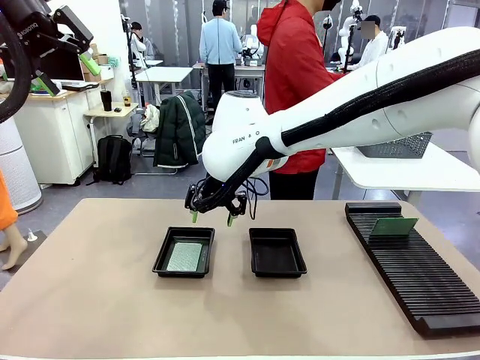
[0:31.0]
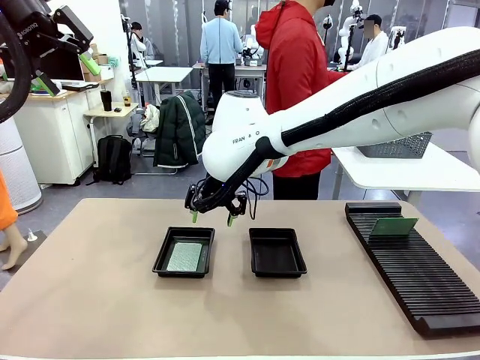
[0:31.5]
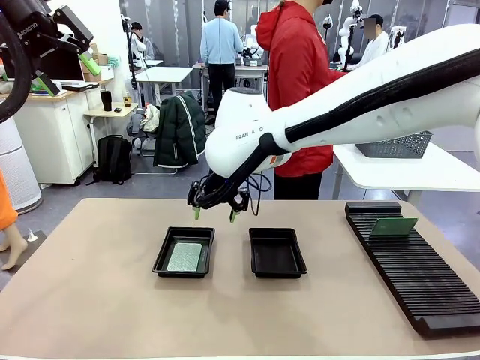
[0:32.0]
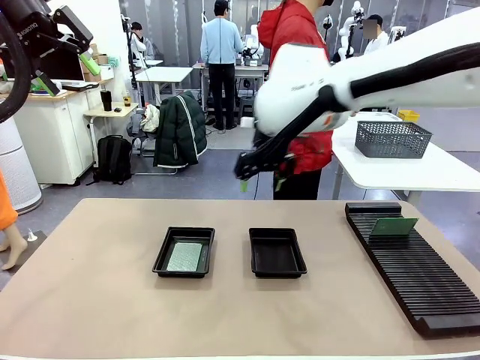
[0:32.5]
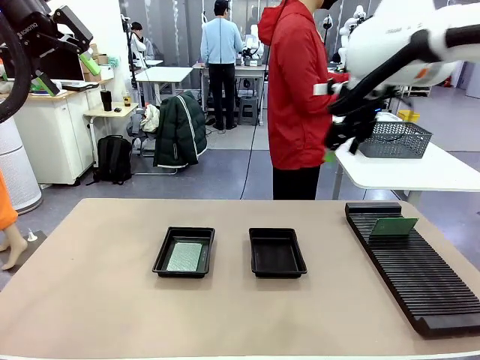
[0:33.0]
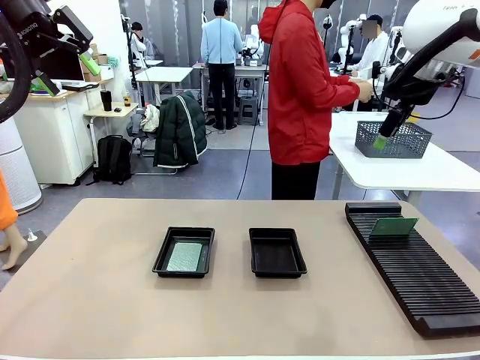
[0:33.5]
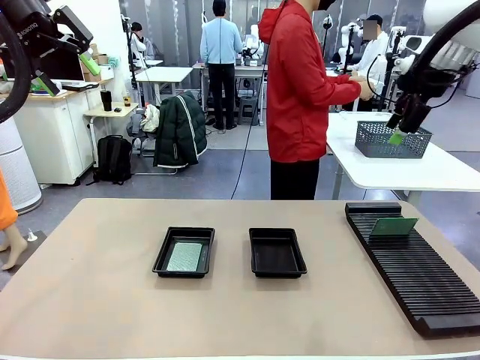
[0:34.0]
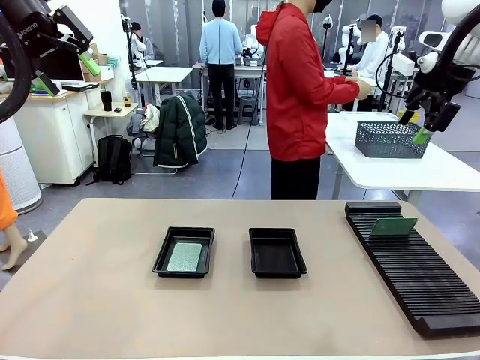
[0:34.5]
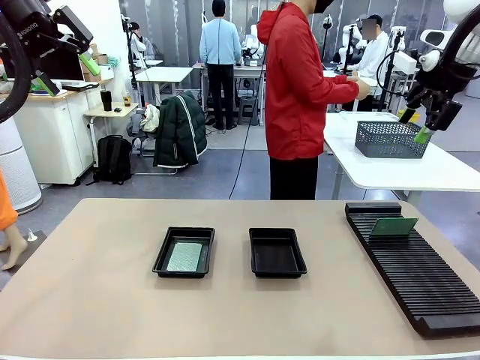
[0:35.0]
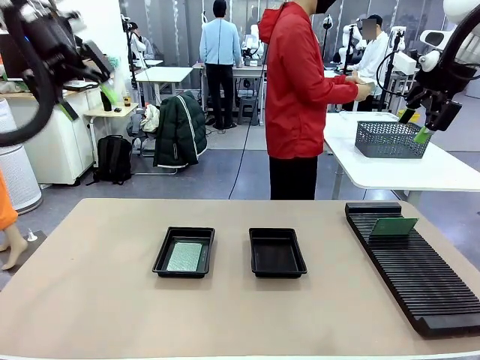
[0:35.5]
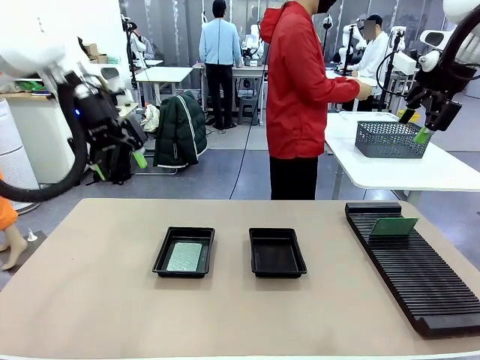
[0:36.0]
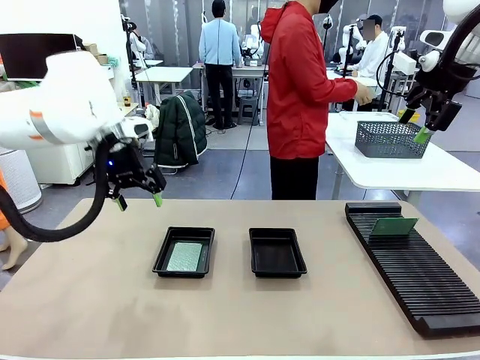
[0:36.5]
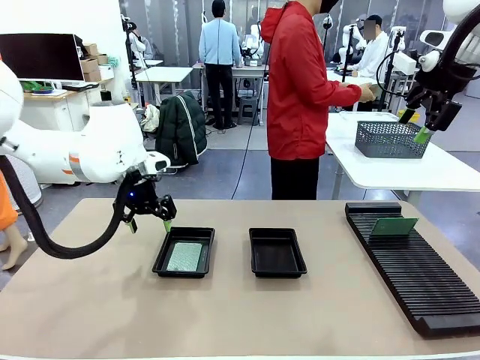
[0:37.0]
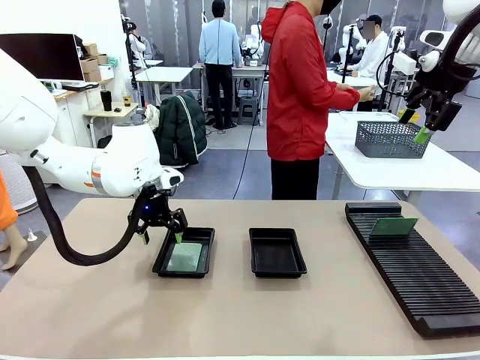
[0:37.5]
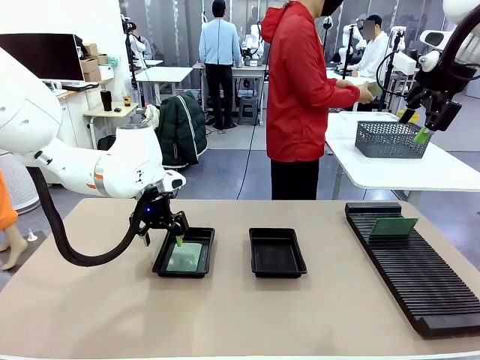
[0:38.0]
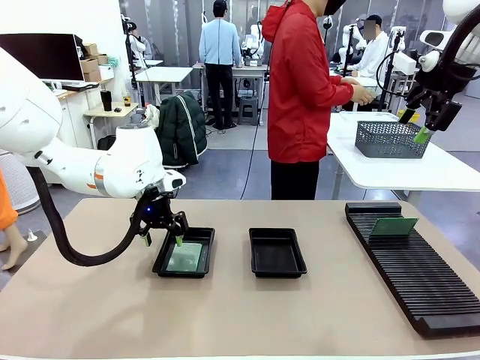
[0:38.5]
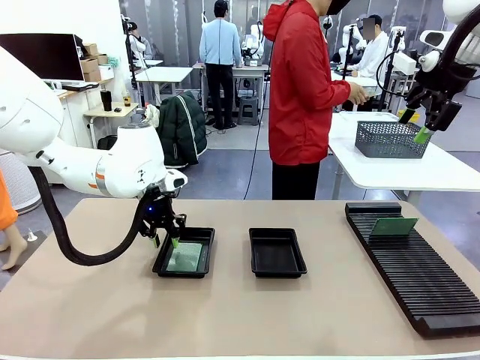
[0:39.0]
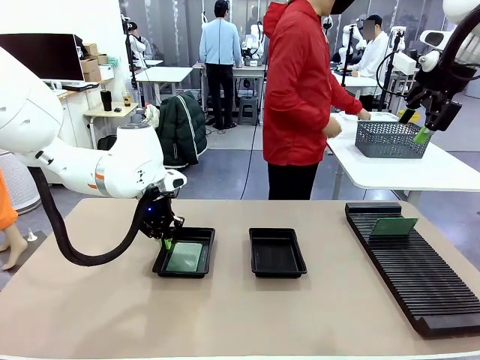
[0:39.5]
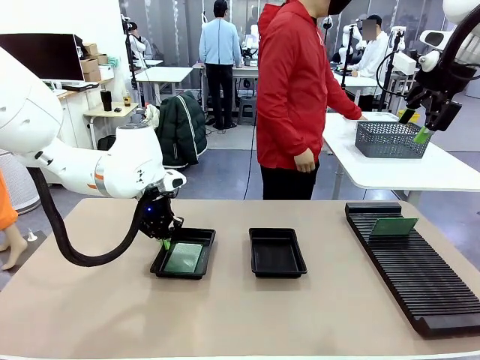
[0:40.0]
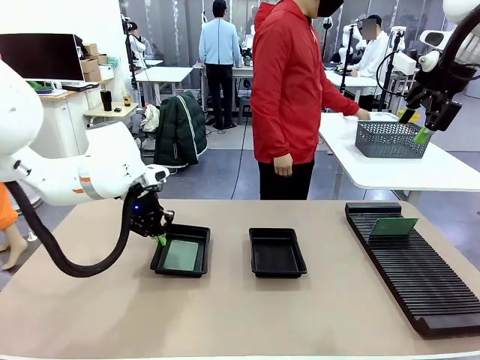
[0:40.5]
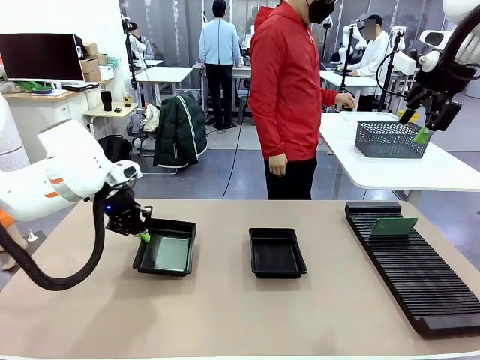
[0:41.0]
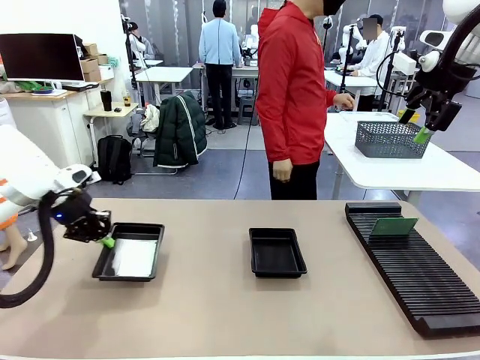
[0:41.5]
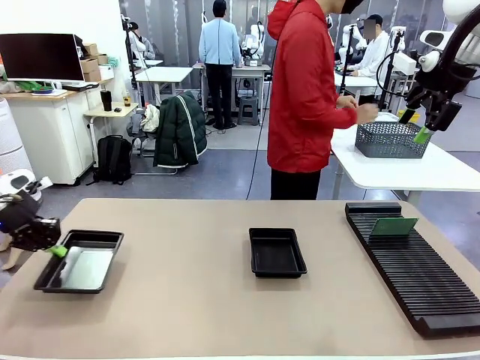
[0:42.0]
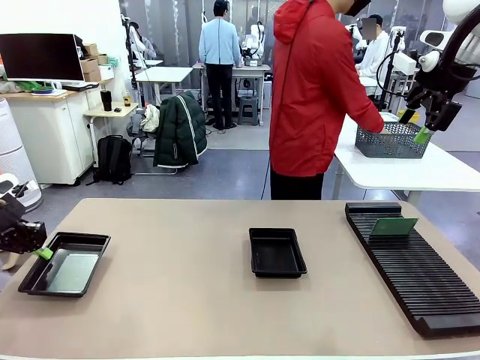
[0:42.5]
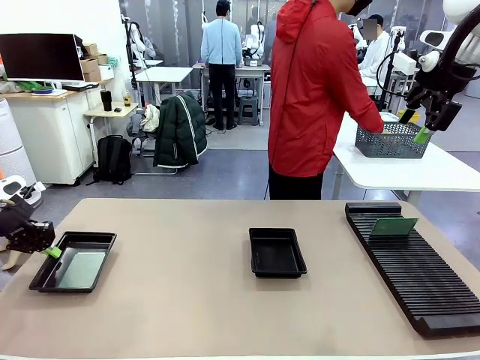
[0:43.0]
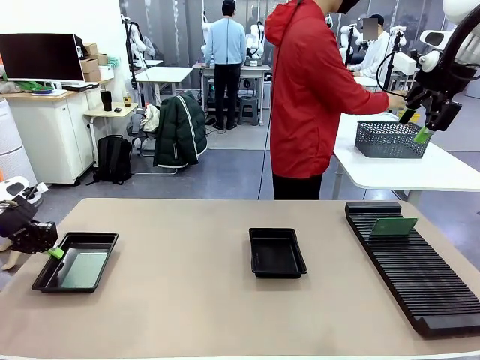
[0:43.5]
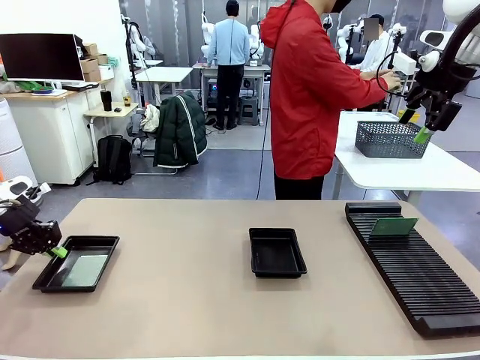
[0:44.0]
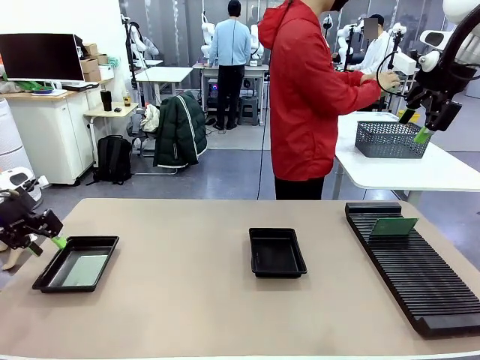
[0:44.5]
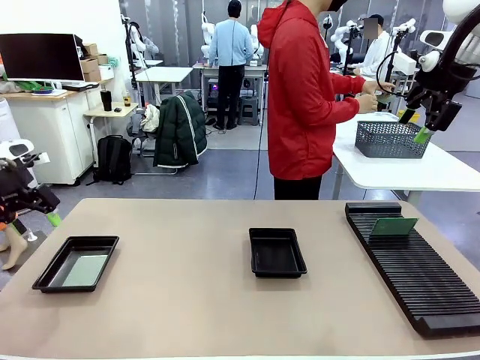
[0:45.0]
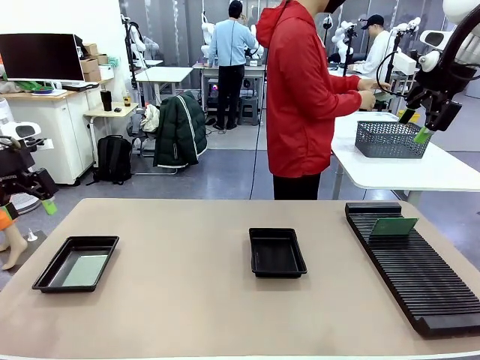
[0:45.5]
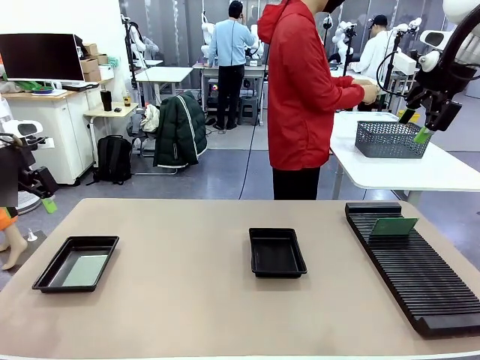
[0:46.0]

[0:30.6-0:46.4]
Task: Inspect and transfer BCBs to ESD trays.
Robot: Pick up the ESD tray and place it on the left side of the table.

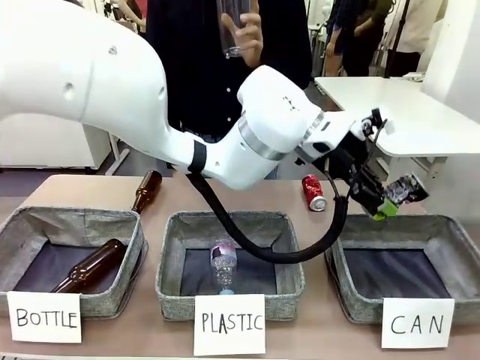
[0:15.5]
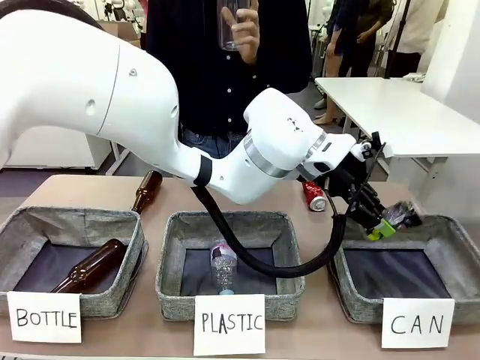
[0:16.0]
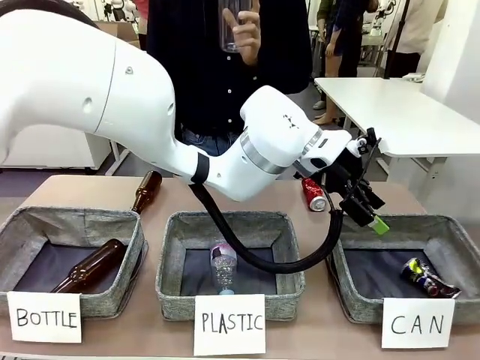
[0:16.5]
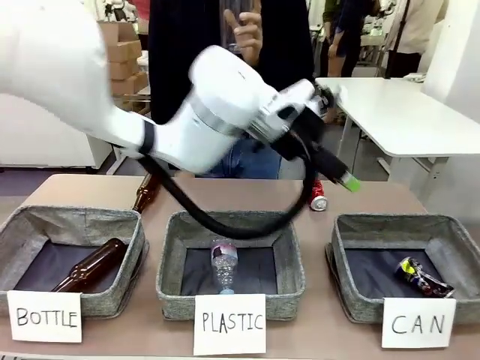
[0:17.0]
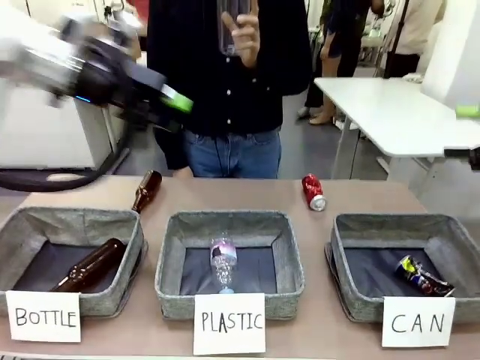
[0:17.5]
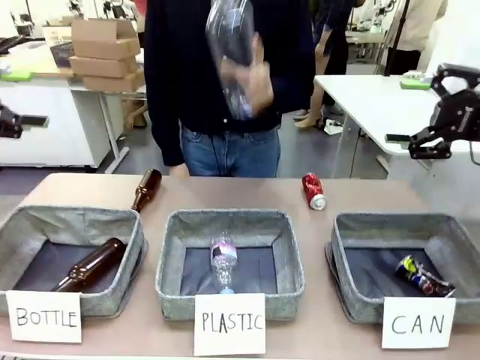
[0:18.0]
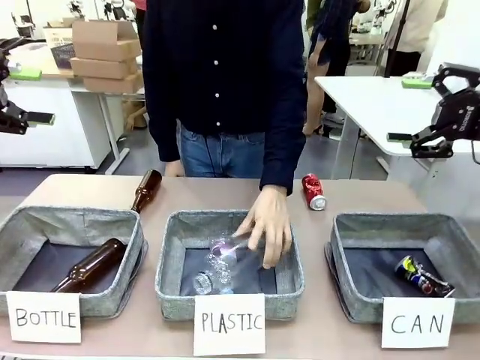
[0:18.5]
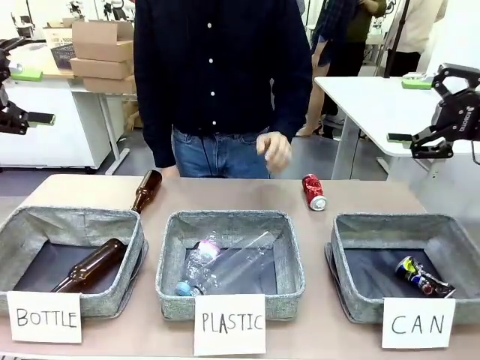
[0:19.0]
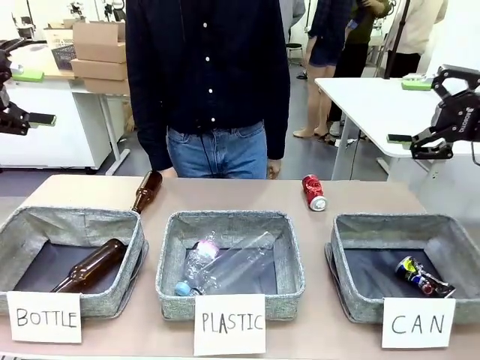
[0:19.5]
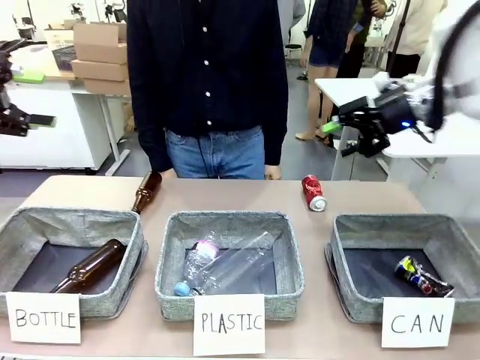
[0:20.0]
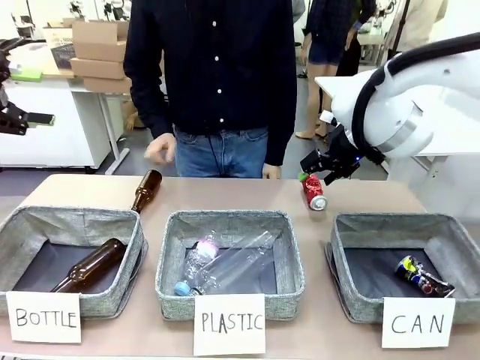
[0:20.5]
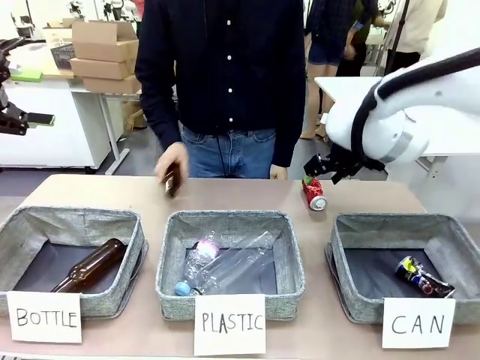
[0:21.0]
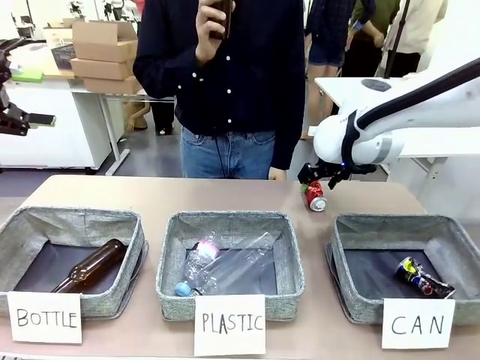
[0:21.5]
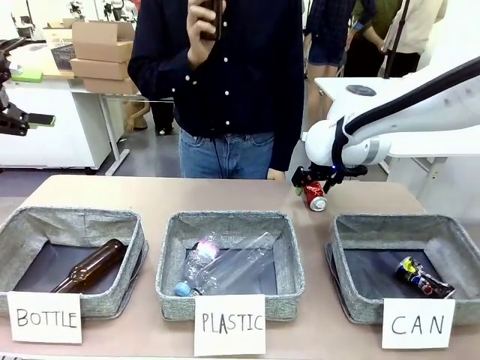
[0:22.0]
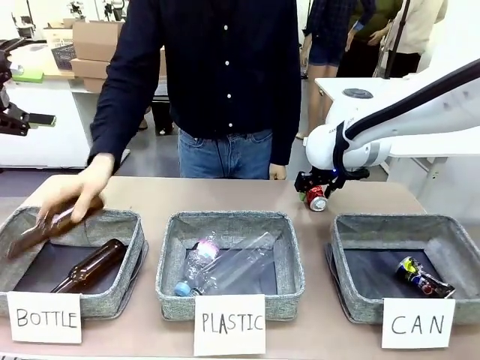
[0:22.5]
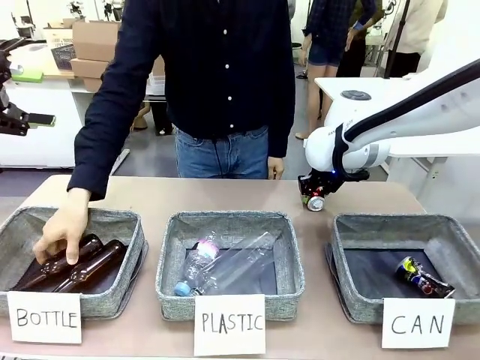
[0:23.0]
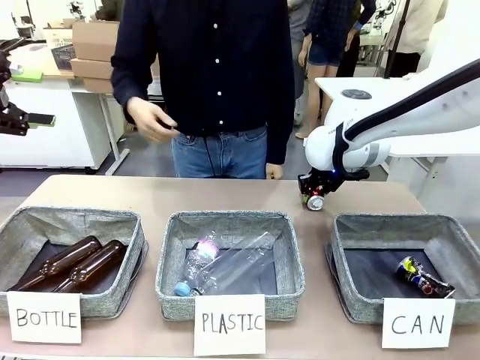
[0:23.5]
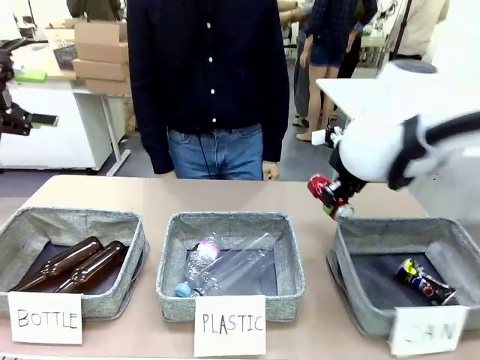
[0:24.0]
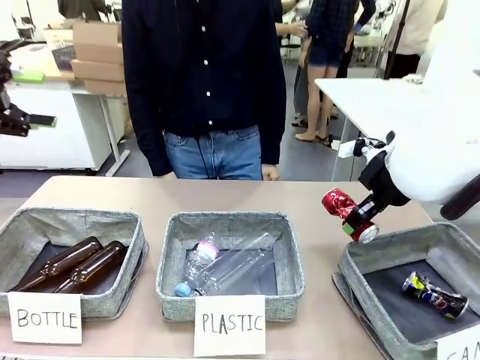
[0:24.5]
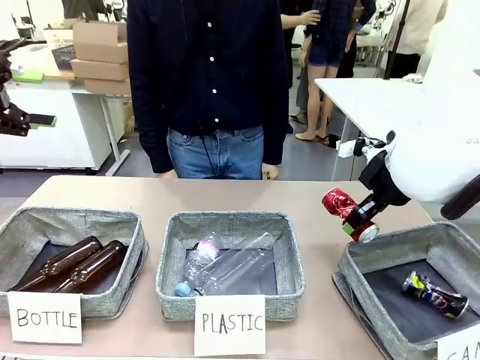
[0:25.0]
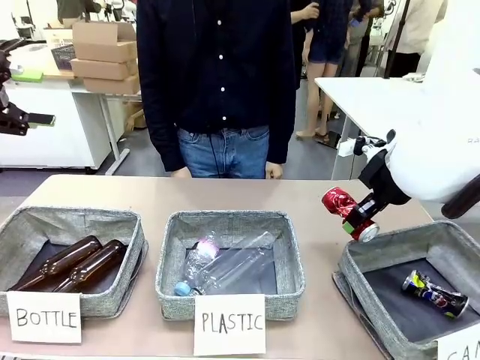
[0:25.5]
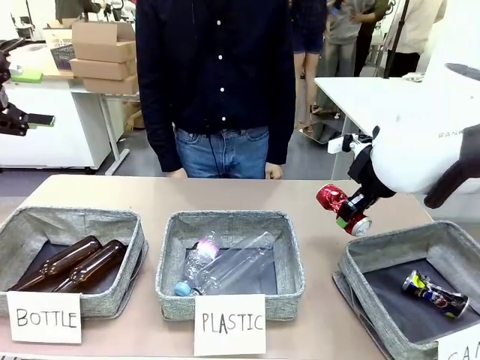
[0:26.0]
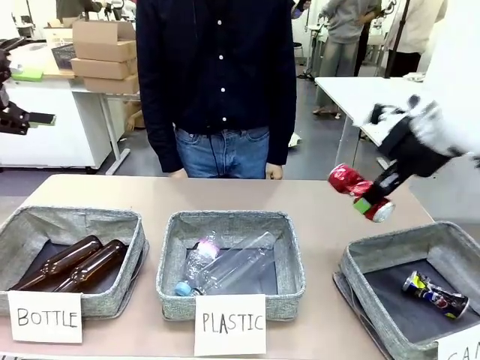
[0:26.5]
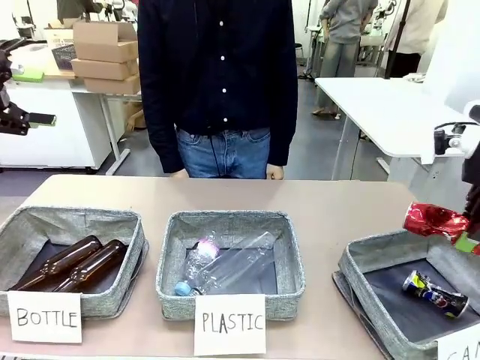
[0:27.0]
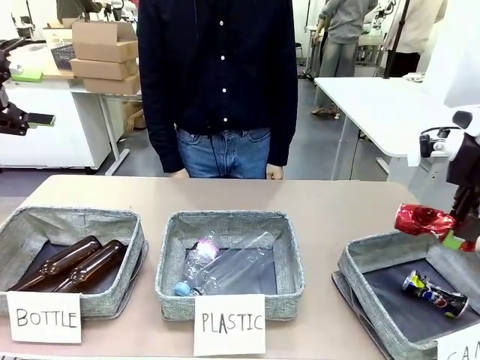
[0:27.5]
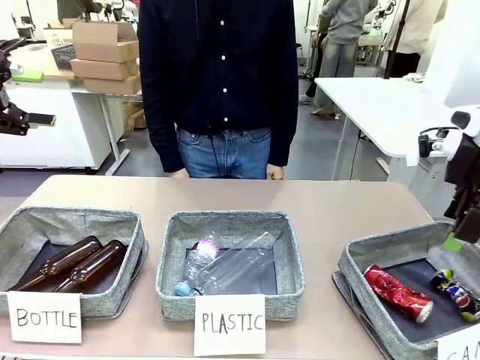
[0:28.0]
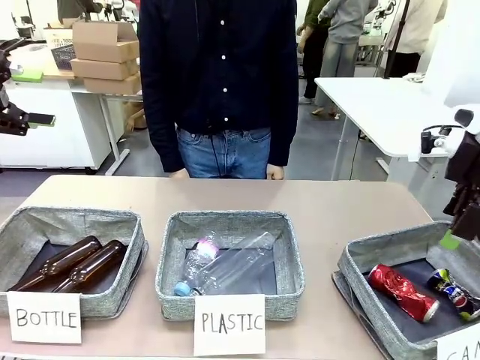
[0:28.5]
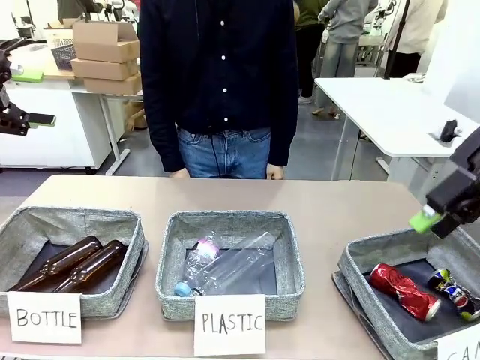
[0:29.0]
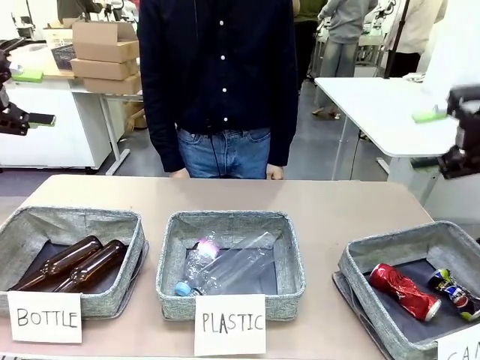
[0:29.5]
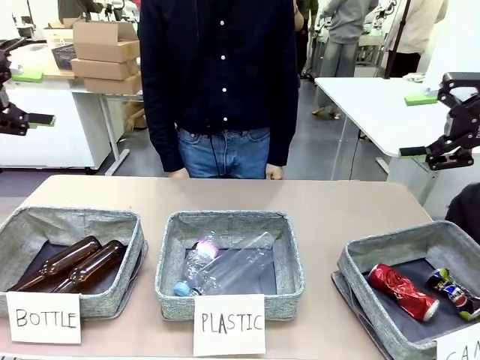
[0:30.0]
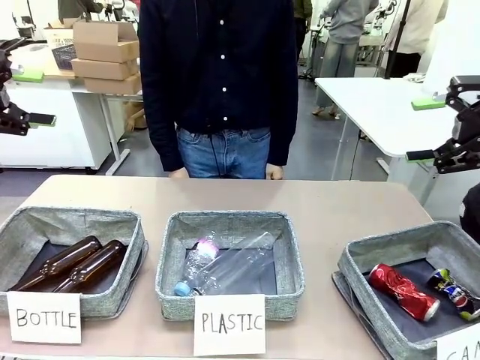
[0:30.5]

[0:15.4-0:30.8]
Task: Sort the can waste into the basket.
Robot: Pick up the can waste from the table and place it in the right Fabric basket.
